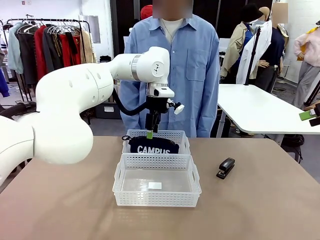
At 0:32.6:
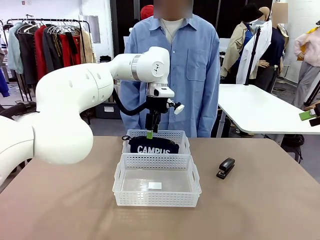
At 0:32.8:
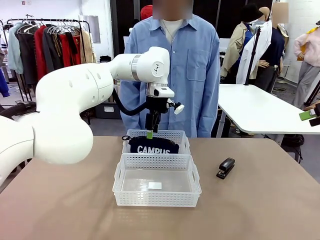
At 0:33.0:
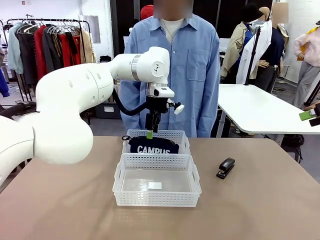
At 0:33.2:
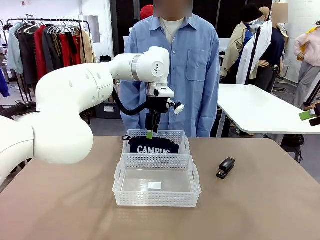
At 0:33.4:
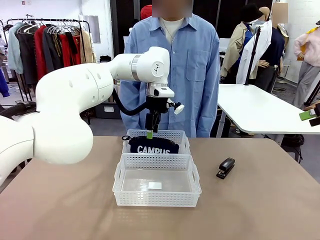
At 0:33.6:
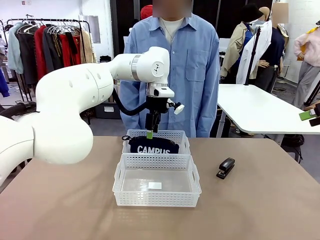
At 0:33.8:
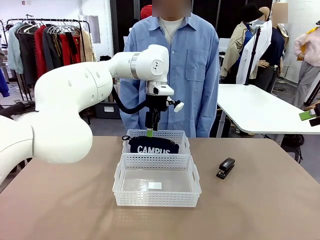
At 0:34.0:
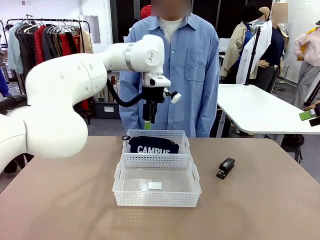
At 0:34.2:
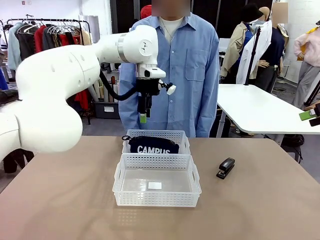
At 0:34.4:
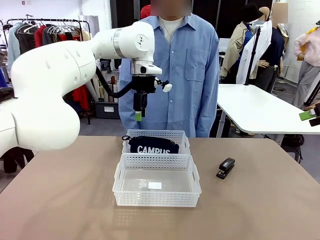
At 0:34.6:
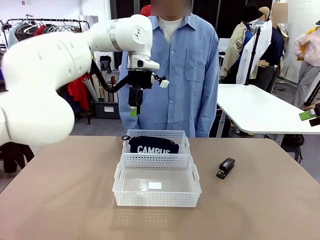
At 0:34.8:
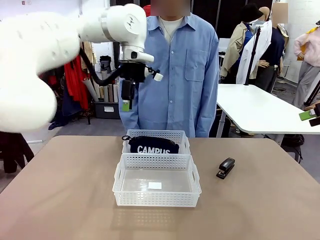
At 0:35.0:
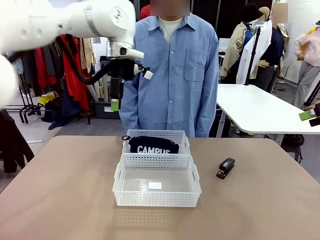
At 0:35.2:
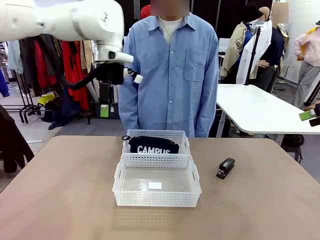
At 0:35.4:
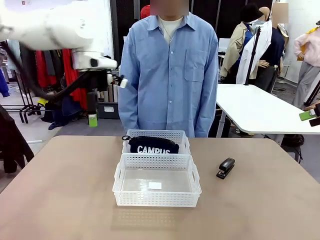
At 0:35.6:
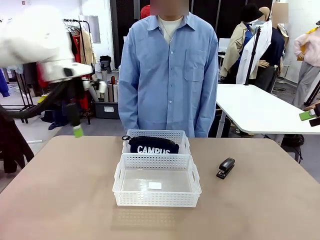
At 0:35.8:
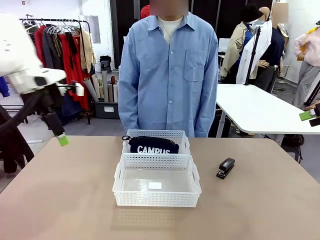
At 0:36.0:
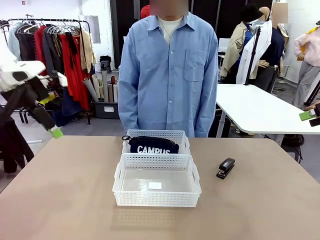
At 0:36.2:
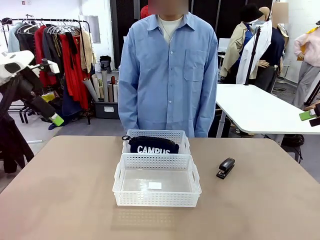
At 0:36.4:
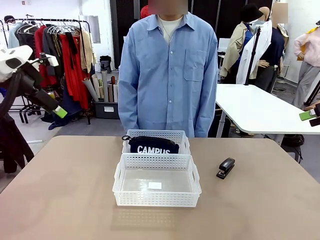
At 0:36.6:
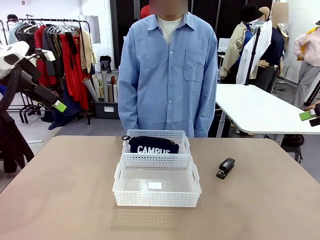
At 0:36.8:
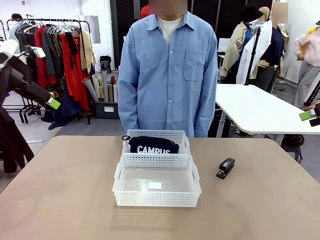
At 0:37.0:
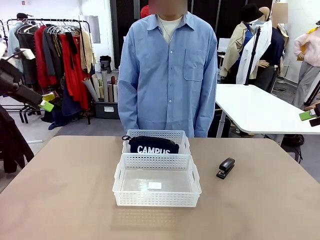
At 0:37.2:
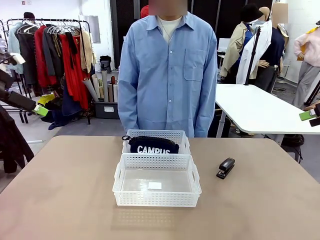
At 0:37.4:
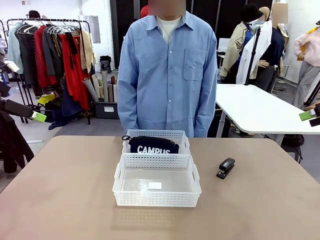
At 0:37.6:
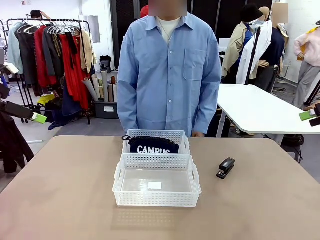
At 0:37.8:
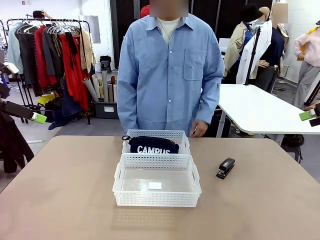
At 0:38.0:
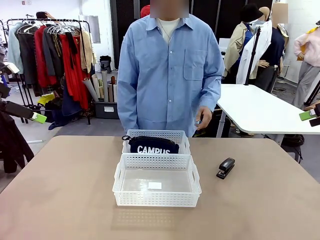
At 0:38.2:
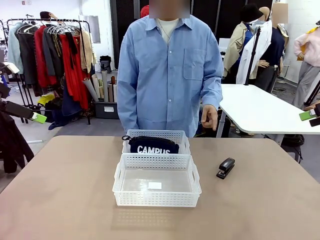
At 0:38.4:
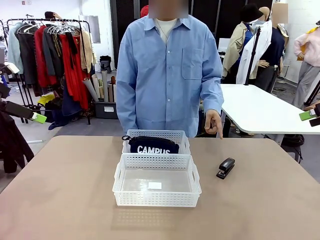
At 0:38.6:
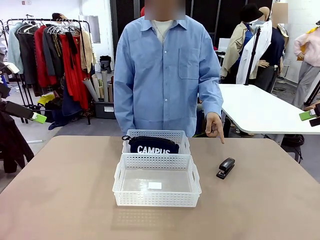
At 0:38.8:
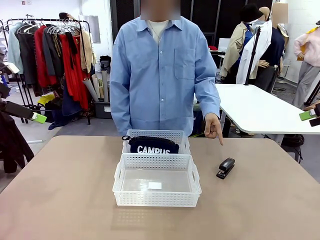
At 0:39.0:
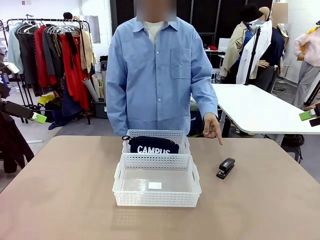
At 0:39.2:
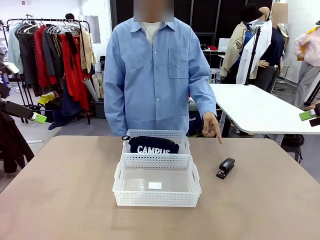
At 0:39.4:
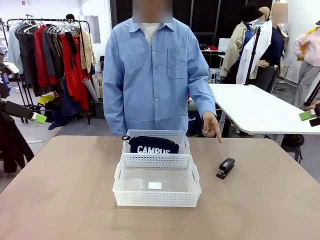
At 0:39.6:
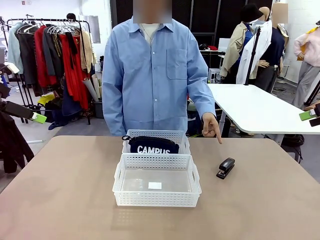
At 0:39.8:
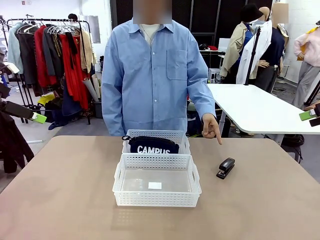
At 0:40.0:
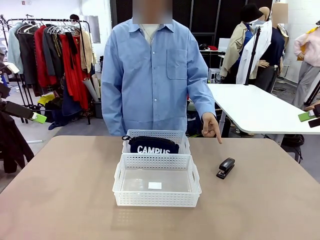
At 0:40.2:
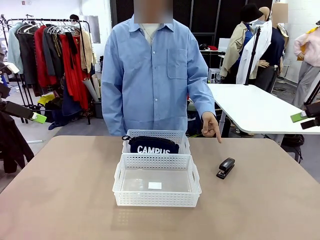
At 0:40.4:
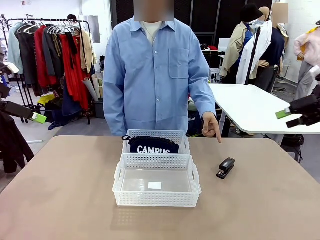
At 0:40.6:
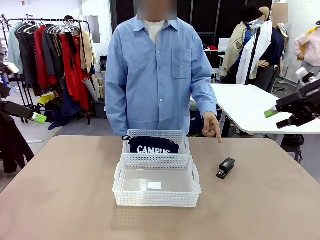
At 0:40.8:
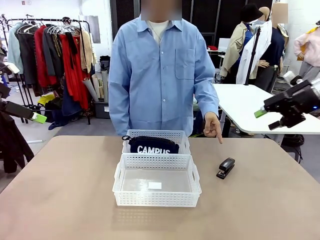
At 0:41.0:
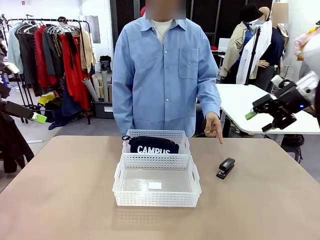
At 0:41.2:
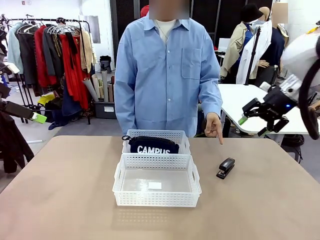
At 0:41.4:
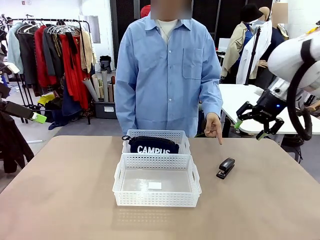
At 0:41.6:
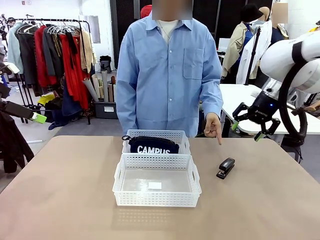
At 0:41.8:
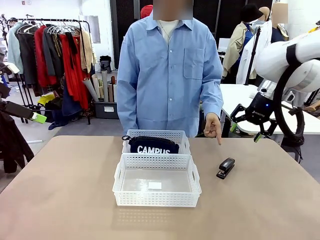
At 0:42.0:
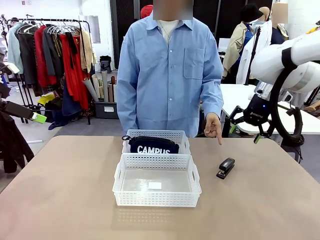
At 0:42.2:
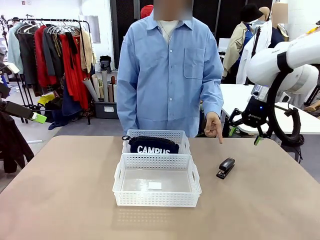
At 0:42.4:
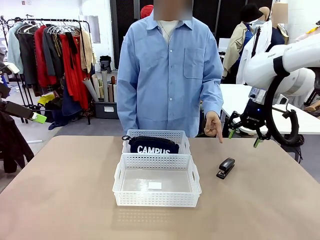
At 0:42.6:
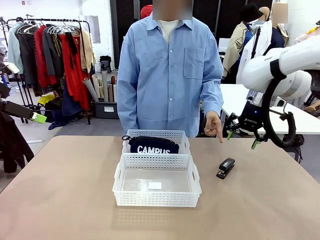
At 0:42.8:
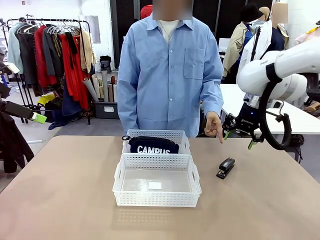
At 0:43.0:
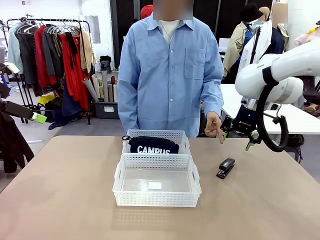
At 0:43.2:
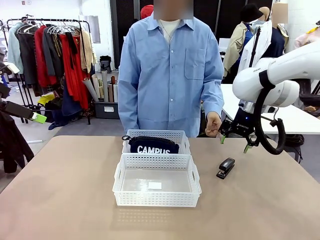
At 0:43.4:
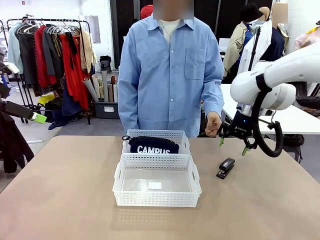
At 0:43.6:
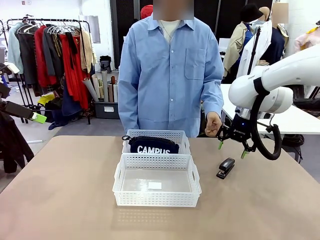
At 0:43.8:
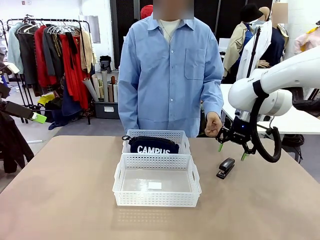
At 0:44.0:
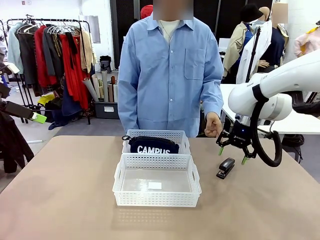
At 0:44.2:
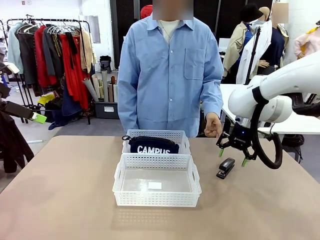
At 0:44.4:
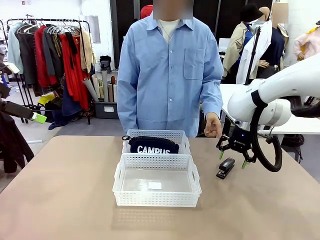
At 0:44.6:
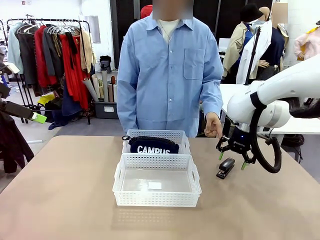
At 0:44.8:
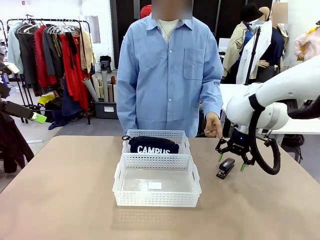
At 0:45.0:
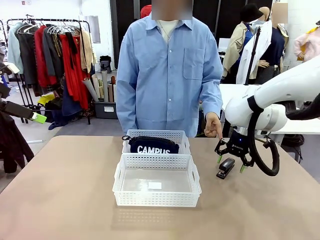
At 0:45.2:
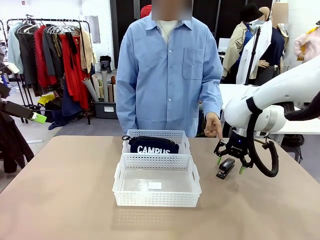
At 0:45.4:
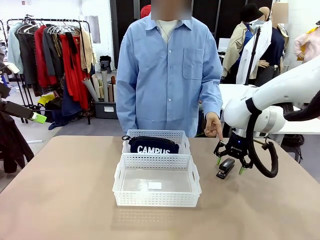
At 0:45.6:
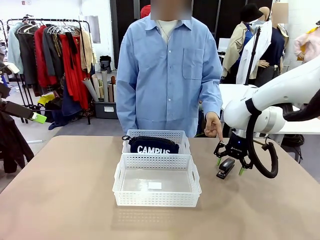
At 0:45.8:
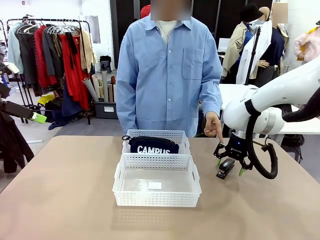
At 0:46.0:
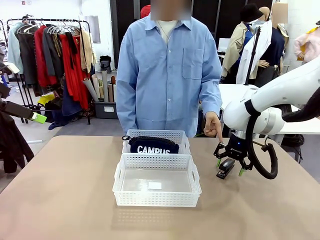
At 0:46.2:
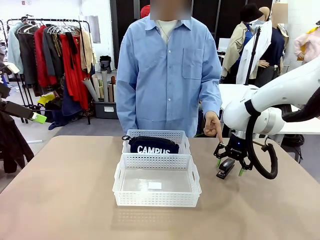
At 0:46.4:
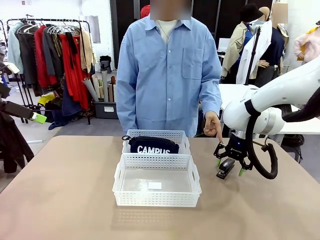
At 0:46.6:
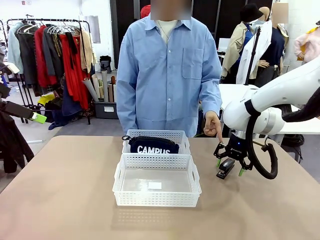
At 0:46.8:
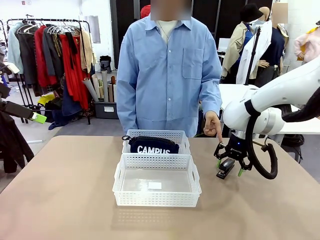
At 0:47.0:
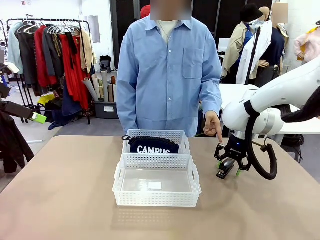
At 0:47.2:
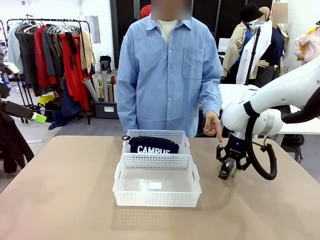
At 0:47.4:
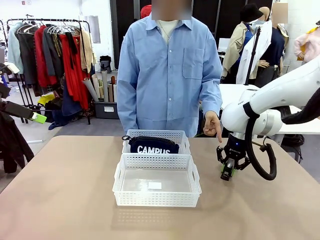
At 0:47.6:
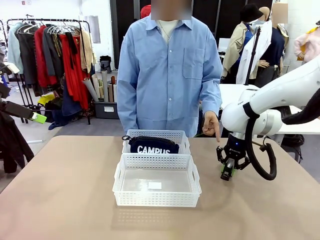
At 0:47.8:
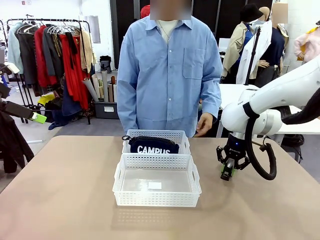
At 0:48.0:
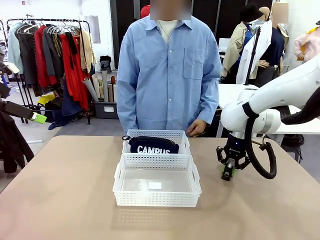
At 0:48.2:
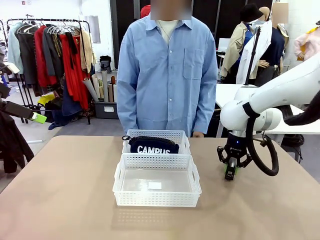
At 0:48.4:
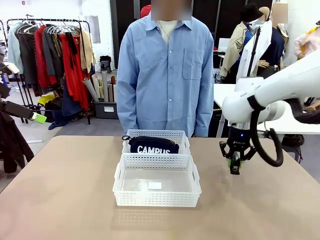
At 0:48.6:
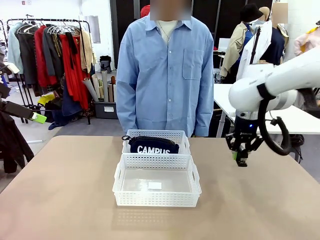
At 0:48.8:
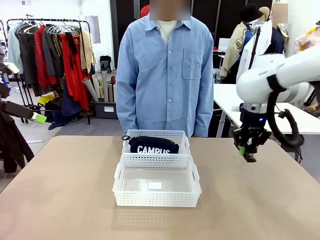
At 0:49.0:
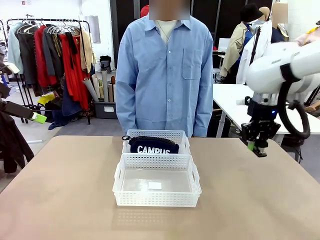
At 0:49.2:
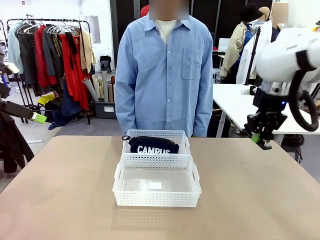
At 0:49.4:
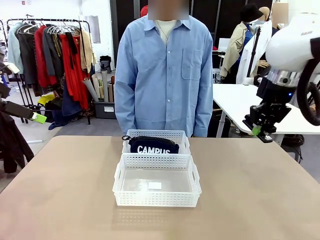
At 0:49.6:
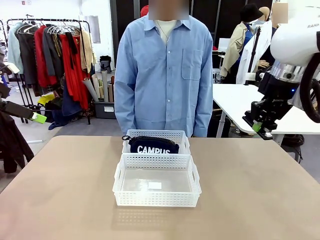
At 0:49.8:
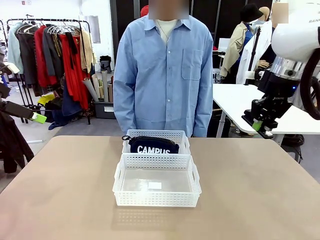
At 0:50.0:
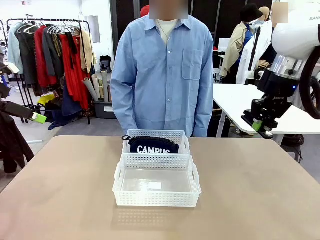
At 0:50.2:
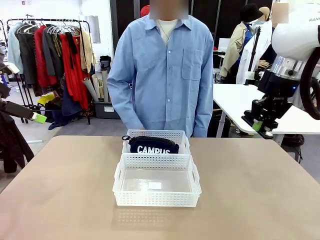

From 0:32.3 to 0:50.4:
Task: Distribute items into two baskets.
Robot: Pick up the Stapler that the person points to.
